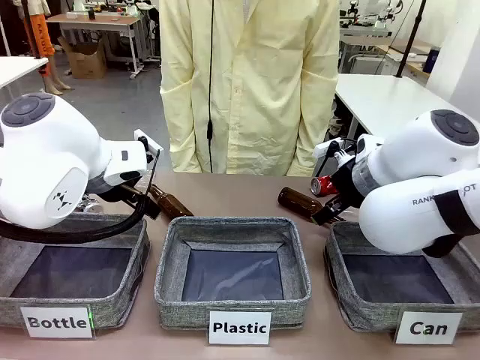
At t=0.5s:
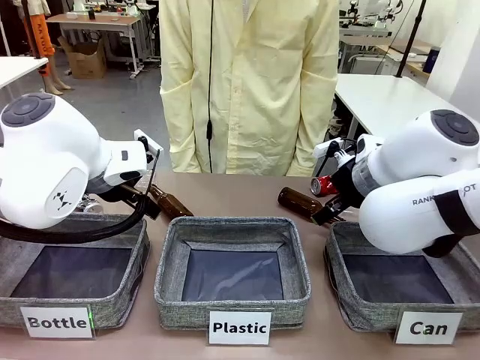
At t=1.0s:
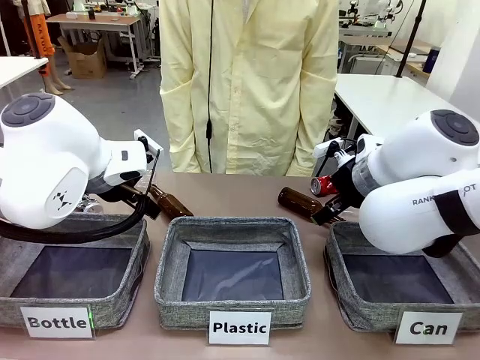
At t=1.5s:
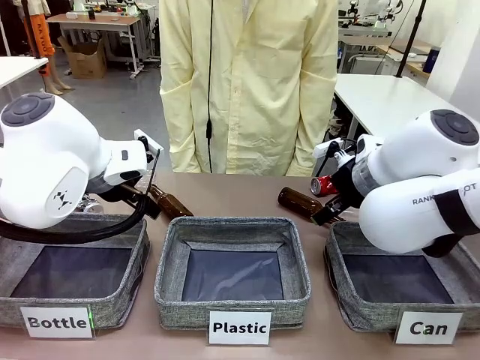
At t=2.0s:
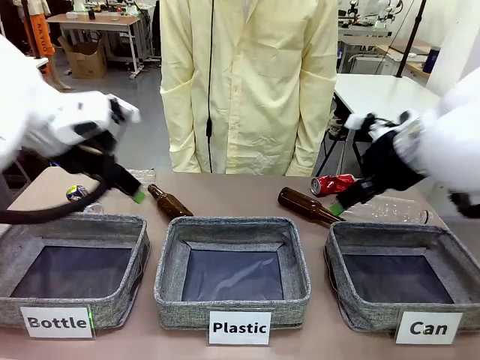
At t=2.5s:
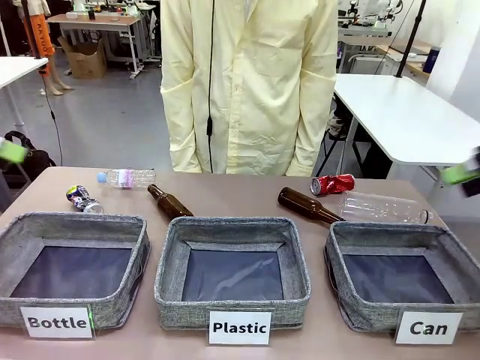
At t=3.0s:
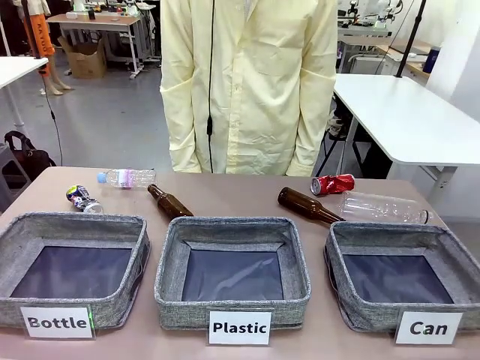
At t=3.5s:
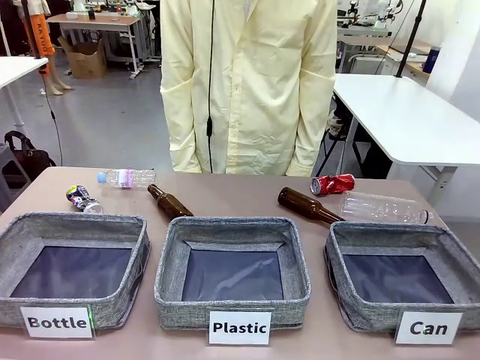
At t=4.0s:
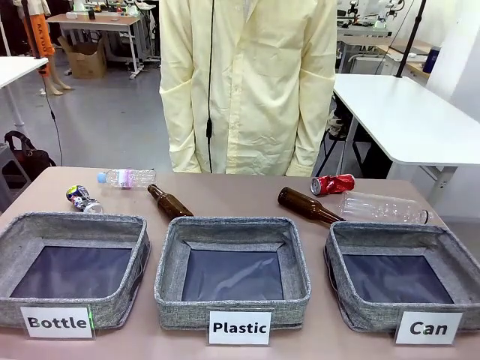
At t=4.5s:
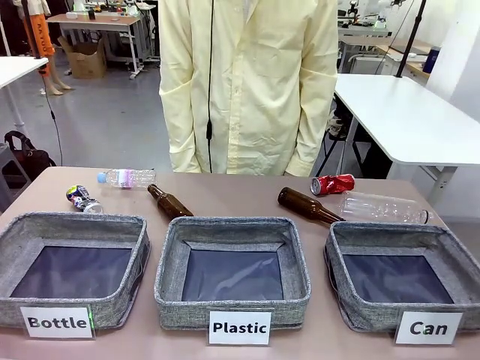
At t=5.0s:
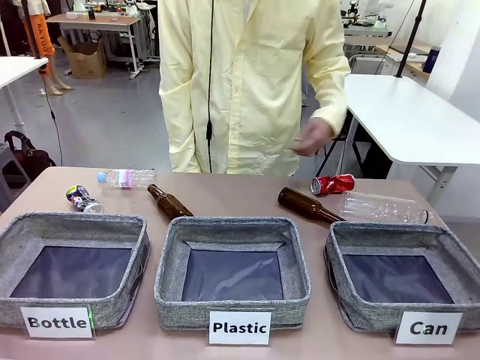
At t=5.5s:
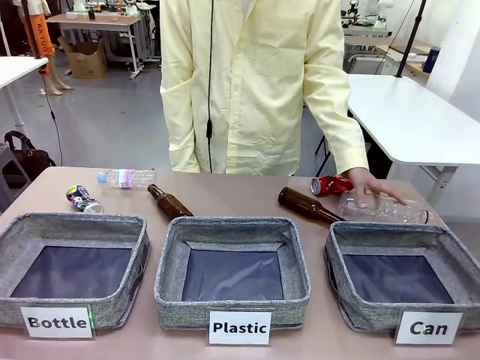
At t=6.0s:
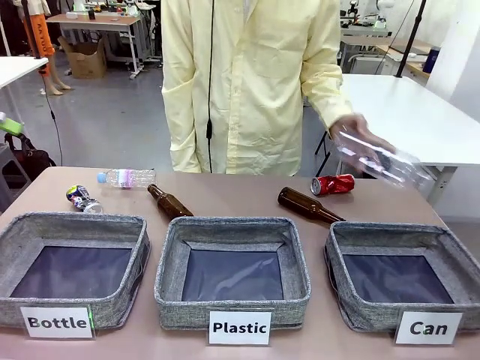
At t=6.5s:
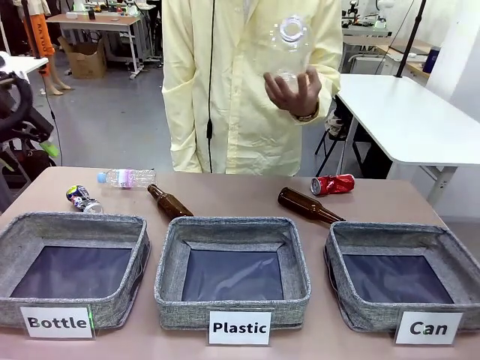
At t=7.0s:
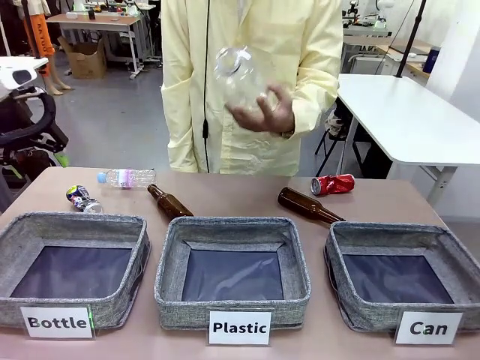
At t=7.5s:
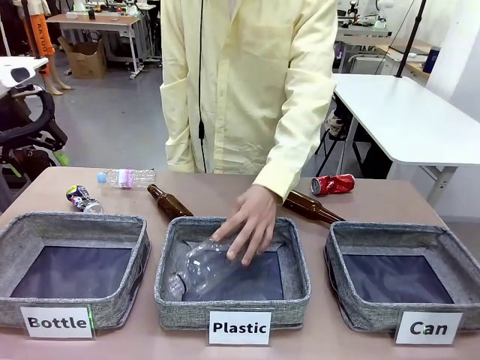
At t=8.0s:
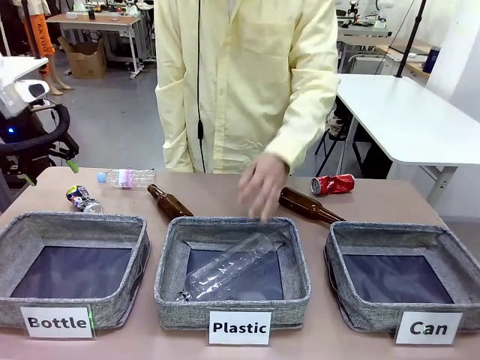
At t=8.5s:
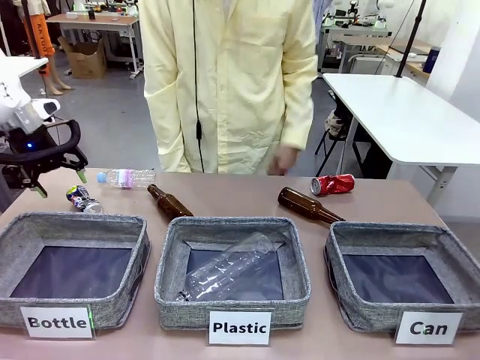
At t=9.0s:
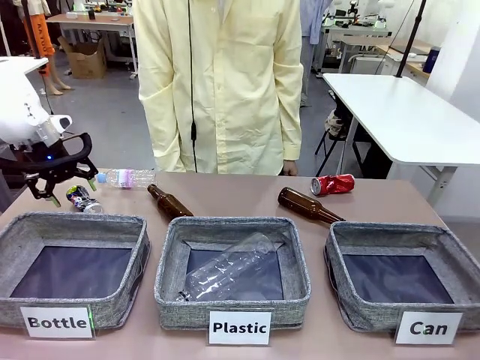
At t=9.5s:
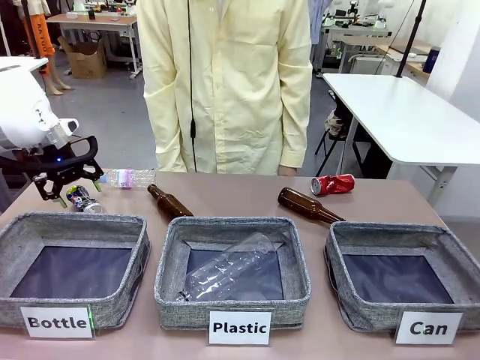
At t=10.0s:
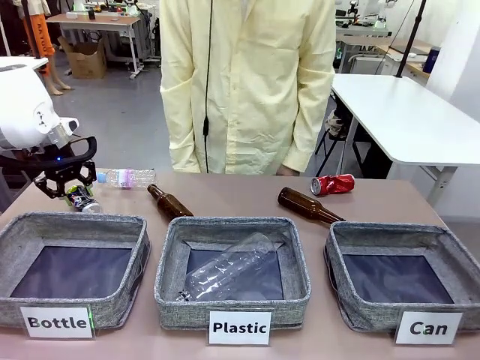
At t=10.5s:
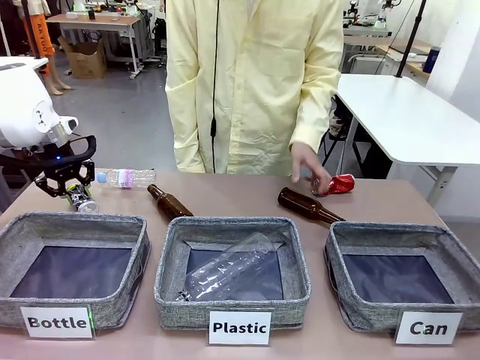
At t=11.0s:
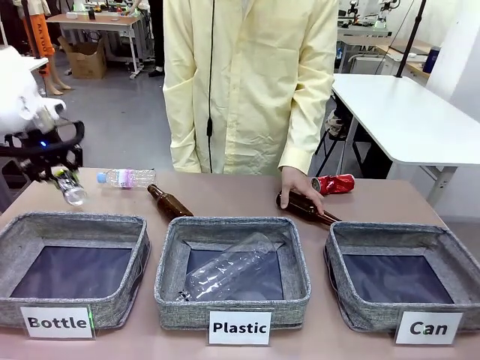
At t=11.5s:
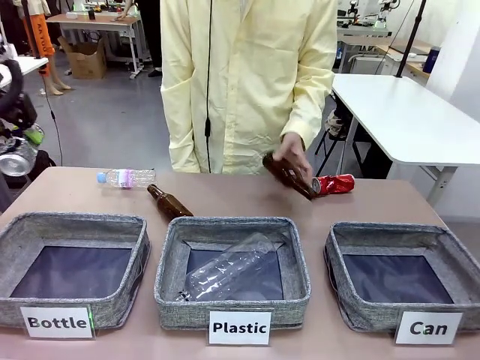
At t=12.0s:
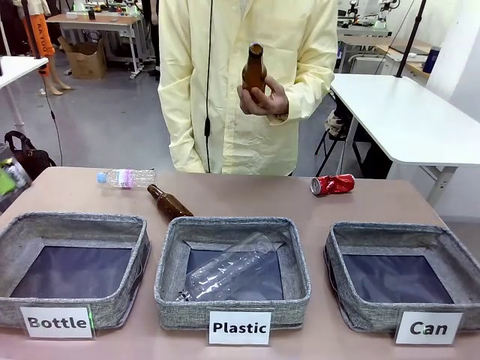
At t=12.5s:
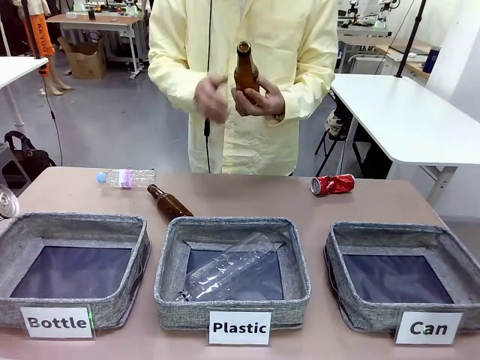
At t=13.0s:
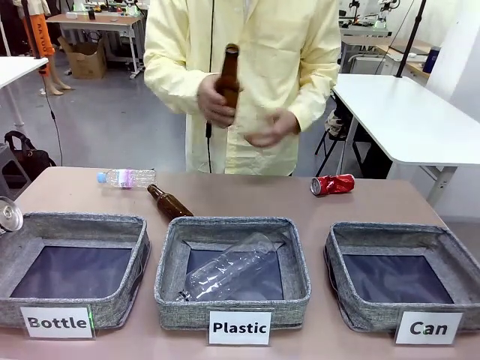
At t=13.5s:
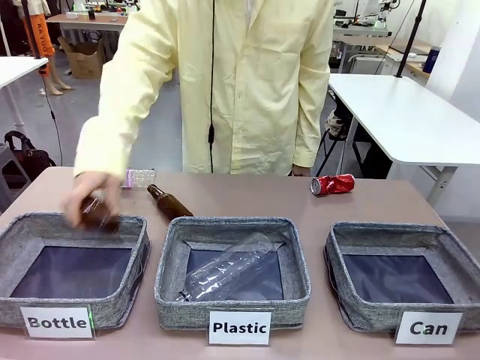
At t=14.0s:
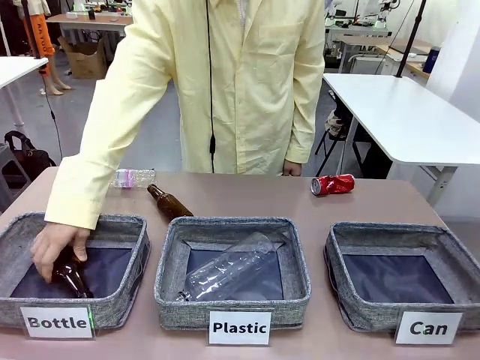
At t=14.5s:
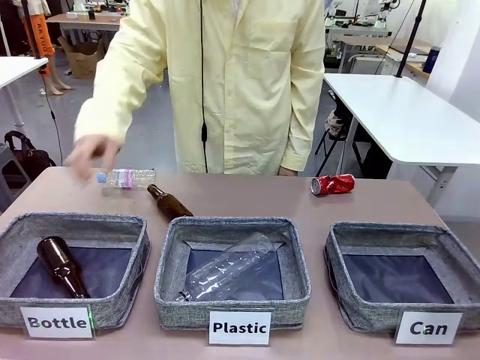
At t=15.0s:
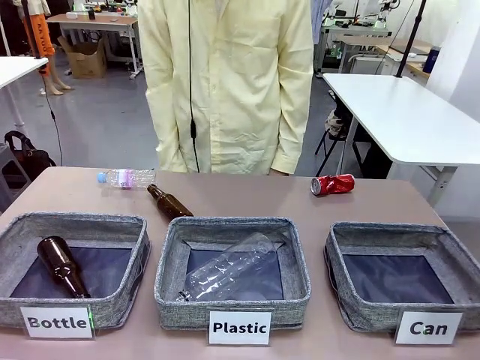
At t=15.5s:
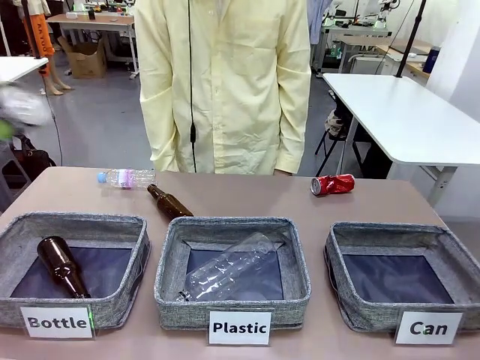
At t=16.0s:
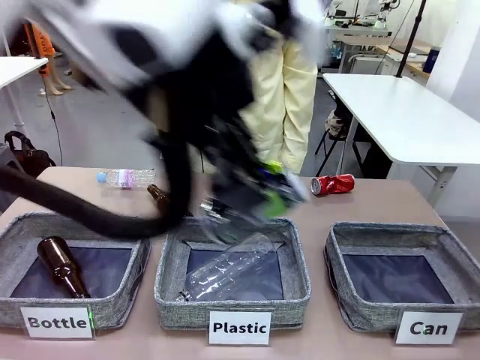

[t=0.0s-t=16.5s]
Task: Sort the can waste into the basket.
Robot: Pick up the can waste from the table and place it in the right Fabric basket.

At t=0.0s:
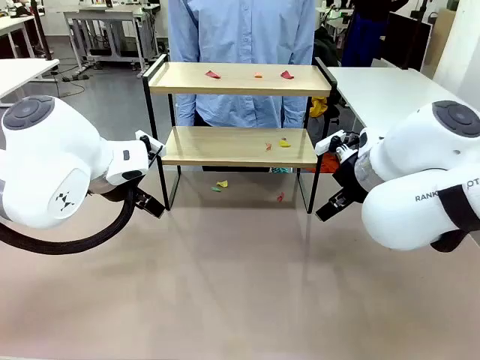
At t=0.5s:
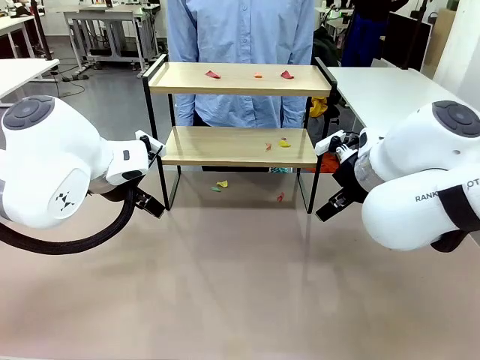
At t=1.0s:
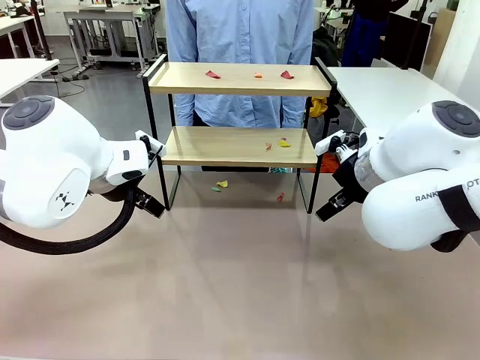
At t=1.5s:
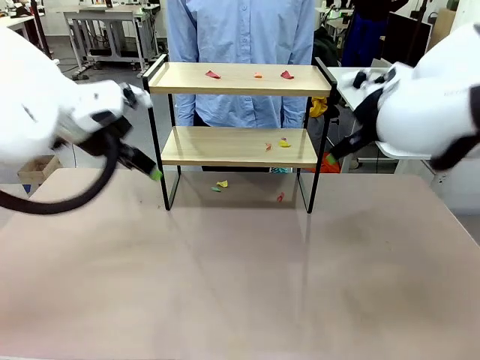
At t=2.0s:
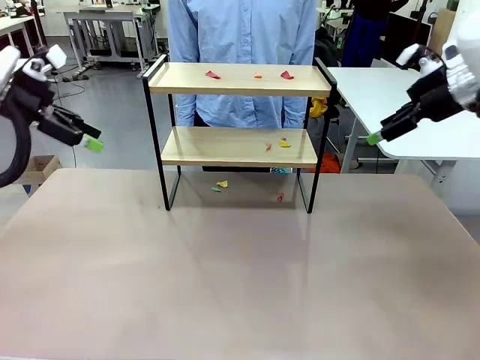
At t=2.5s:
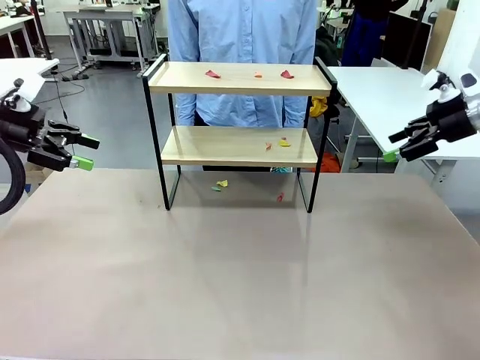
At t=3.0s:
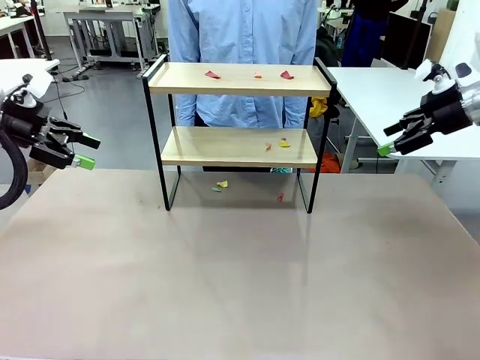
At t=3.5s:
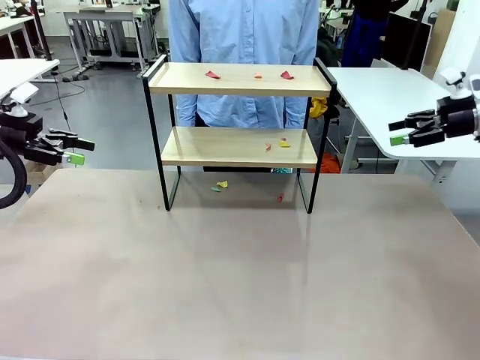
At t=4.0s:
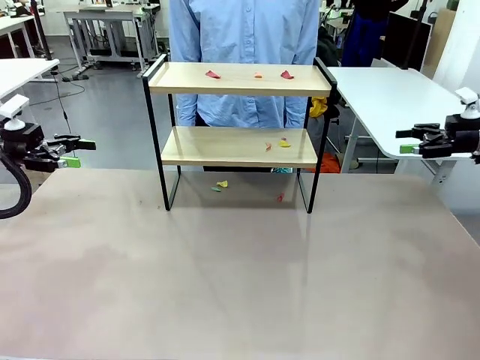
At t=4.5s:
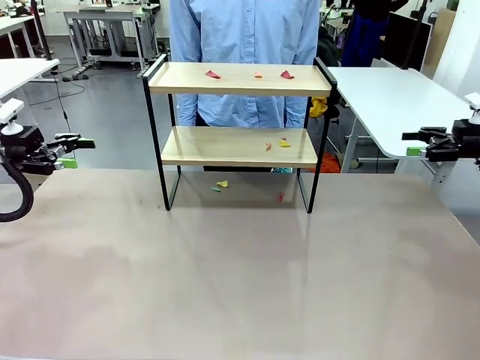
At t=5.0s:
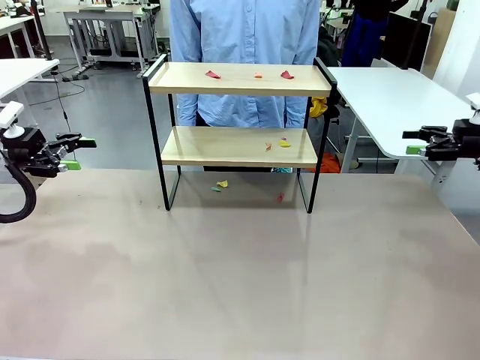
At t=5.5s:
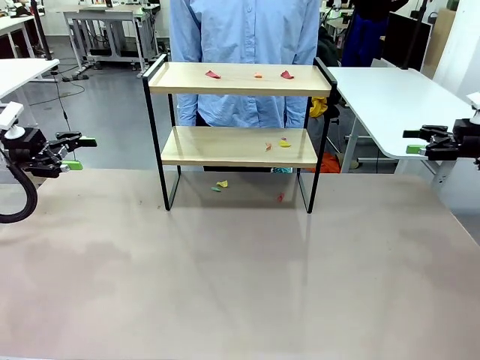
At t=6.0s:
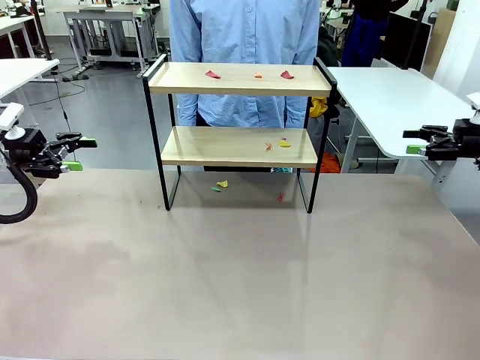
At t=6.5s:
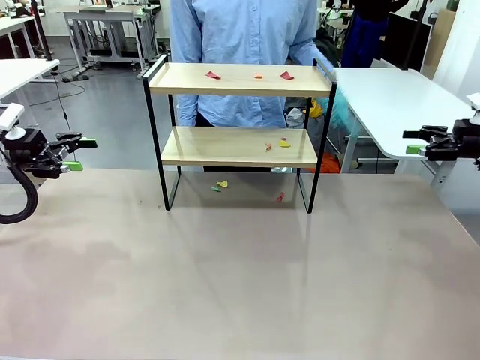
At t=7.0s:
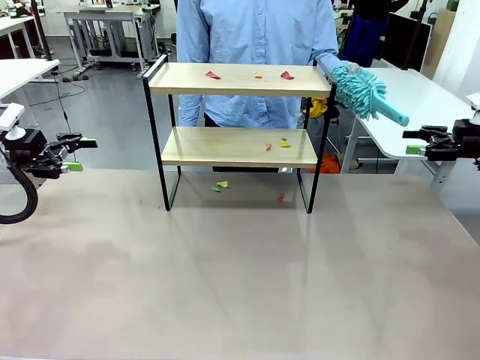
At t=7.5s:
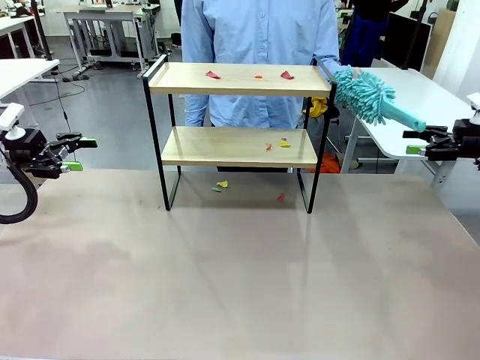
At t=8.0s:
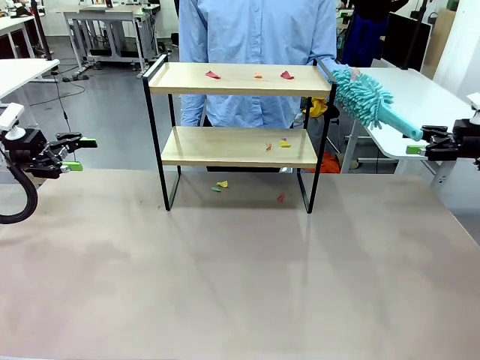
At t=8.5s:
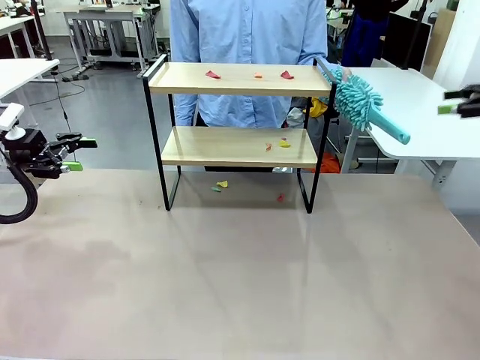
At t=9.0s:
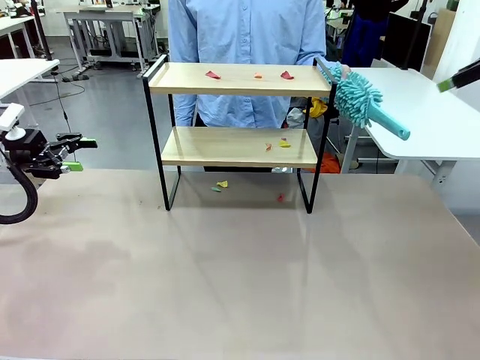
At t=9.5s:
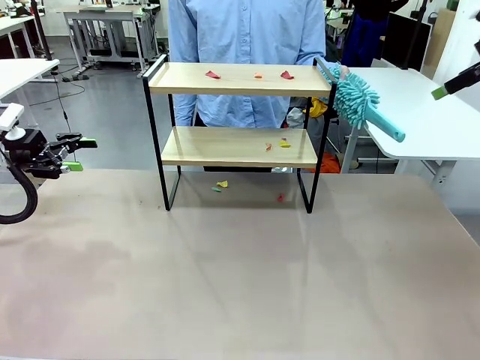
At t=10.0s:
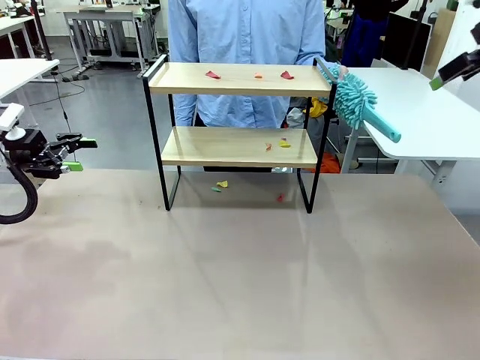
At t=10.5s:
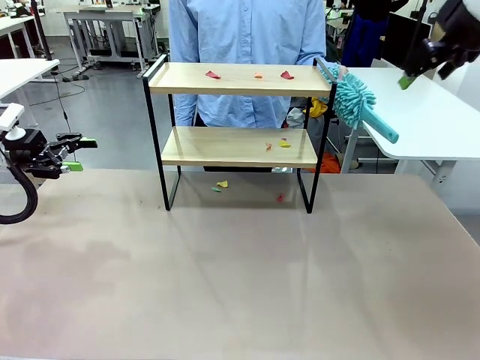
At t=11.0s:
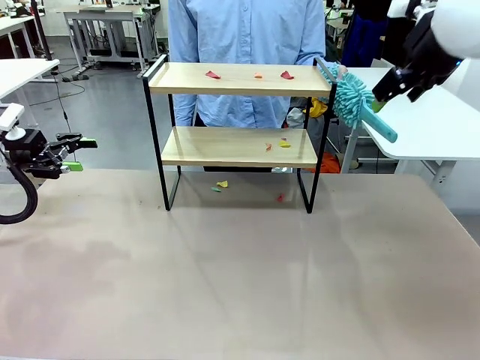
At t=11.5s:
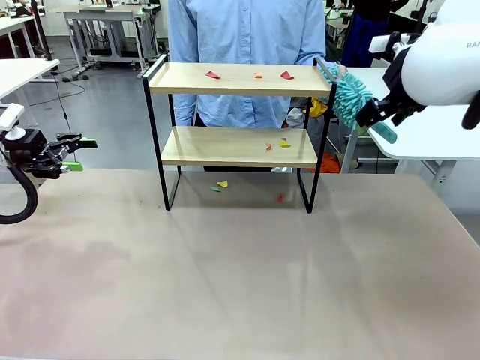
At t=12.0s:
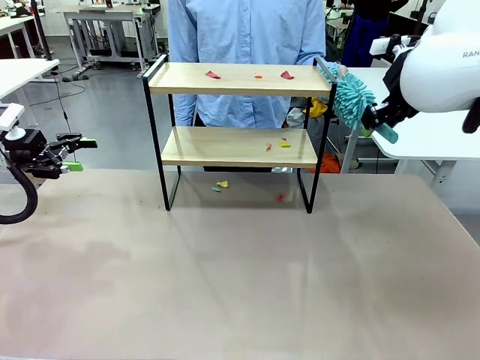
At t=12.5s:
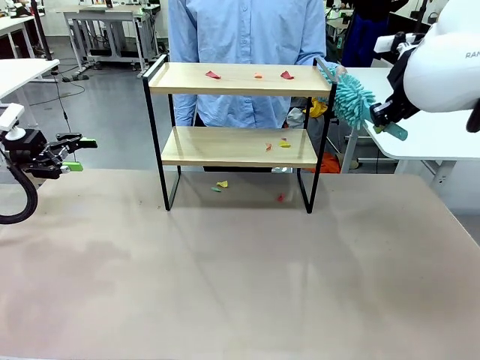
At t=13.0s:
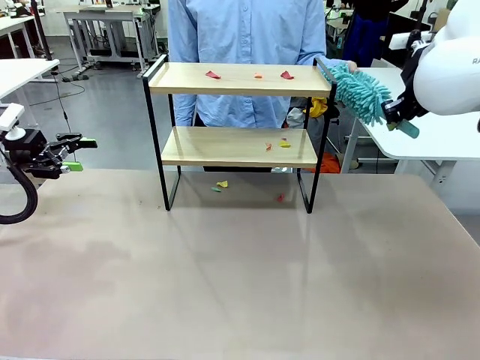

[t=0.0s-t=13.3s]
Task: Clean the shelf.
Robot: Pick up the Duster handed by the human.
Person: Hand the Duster to the robot.
